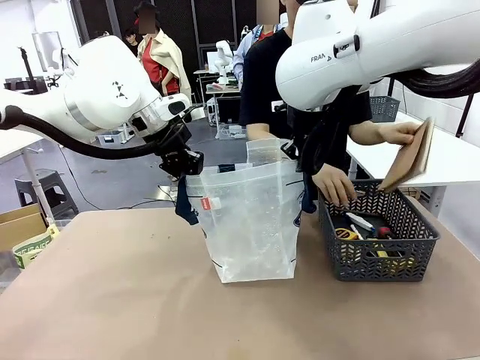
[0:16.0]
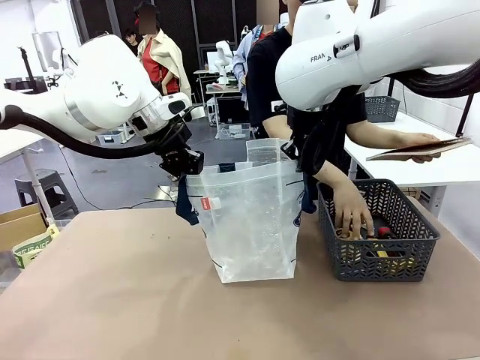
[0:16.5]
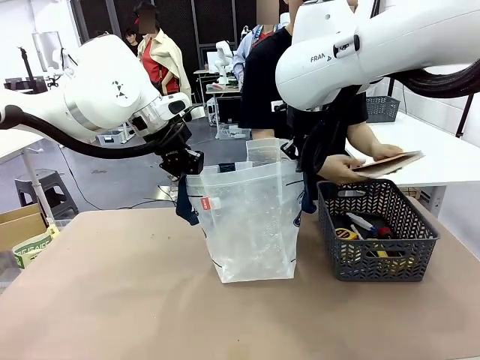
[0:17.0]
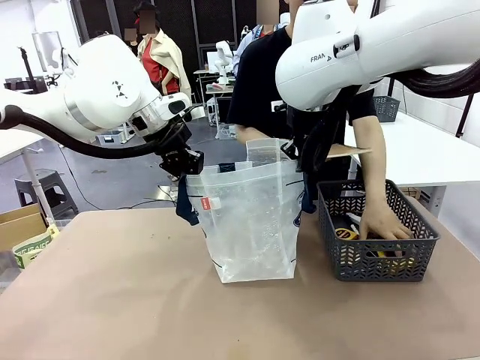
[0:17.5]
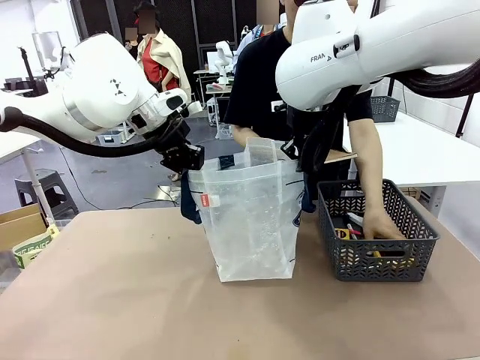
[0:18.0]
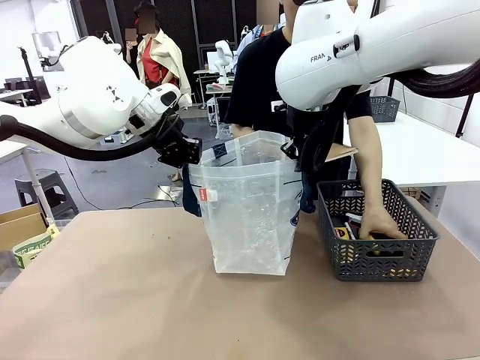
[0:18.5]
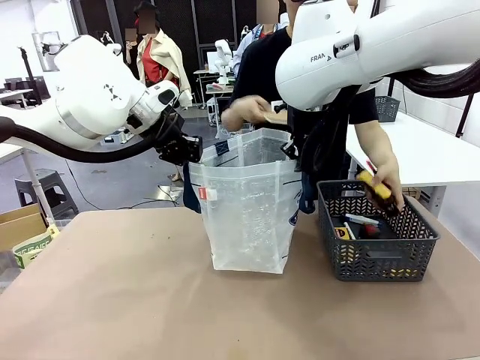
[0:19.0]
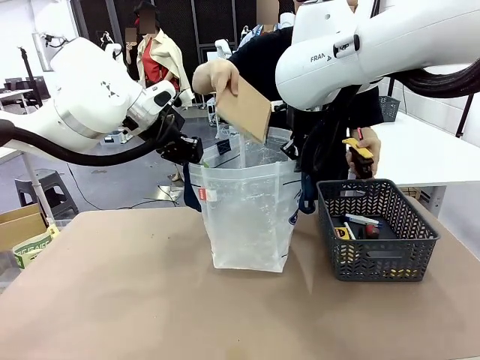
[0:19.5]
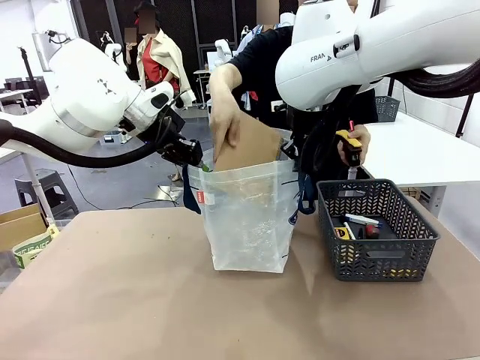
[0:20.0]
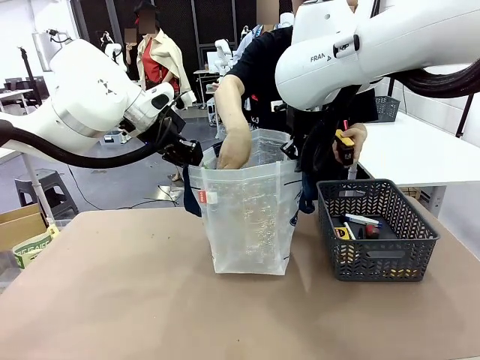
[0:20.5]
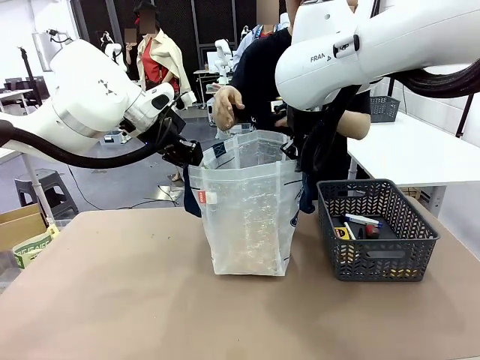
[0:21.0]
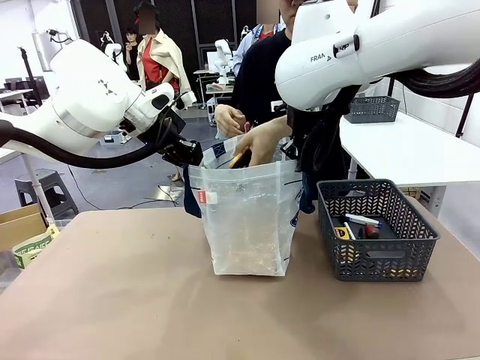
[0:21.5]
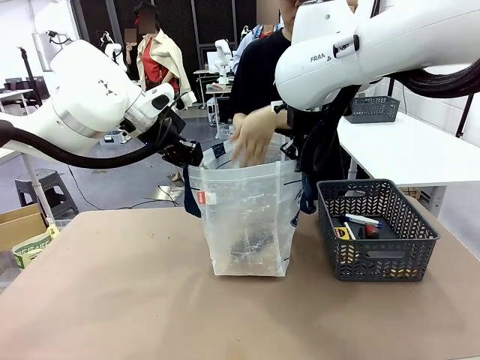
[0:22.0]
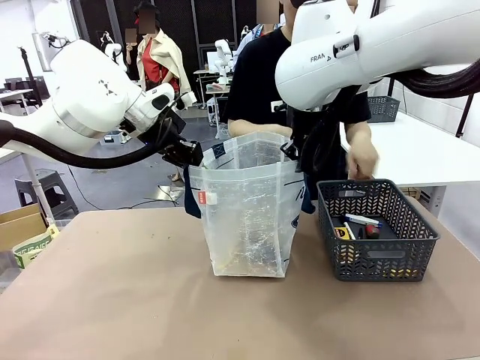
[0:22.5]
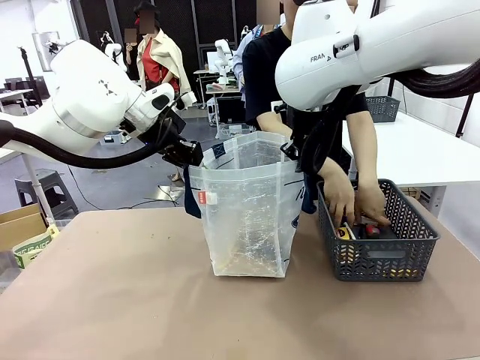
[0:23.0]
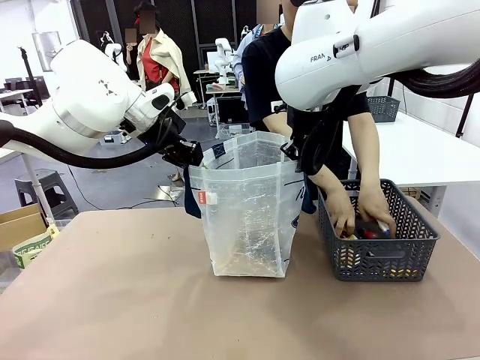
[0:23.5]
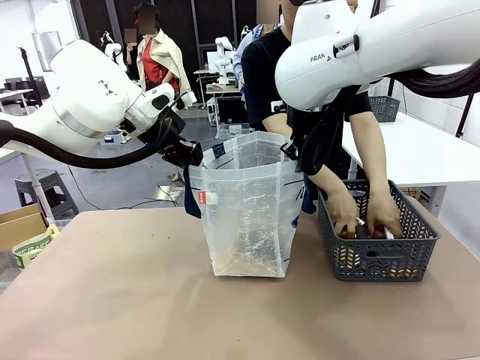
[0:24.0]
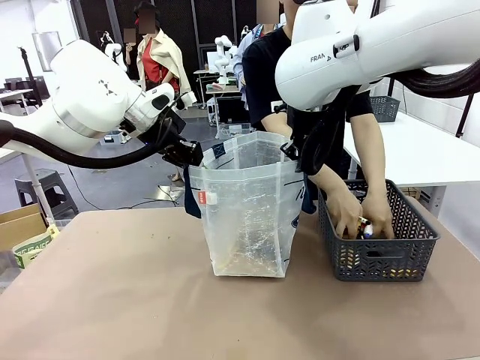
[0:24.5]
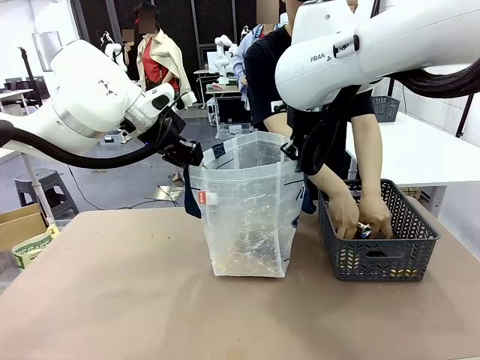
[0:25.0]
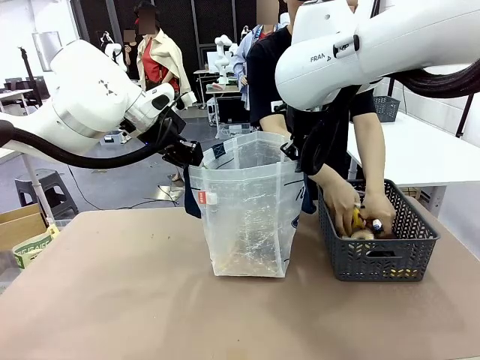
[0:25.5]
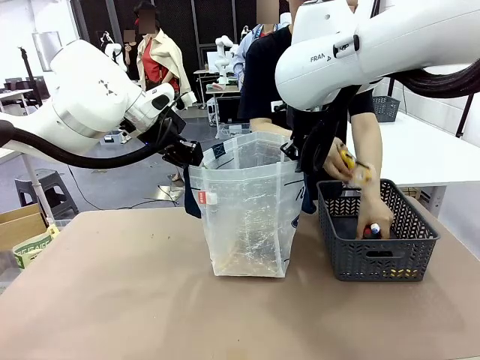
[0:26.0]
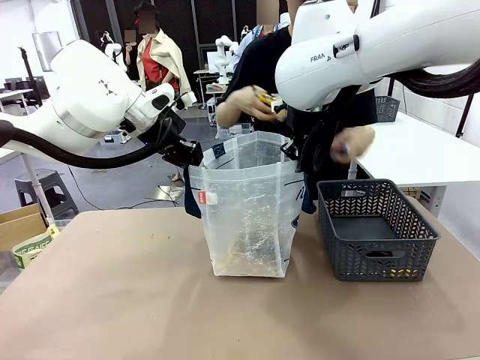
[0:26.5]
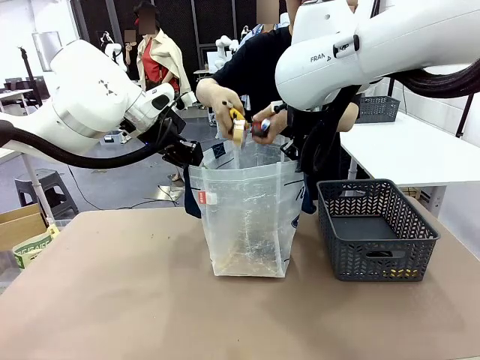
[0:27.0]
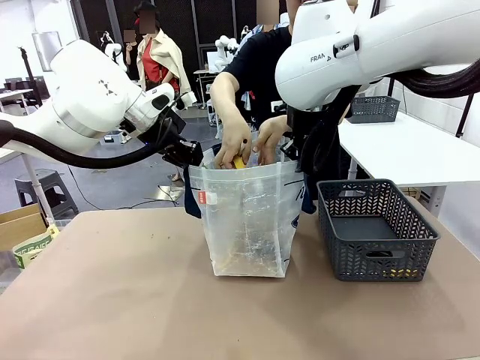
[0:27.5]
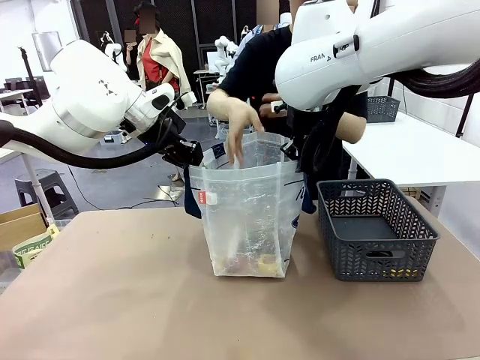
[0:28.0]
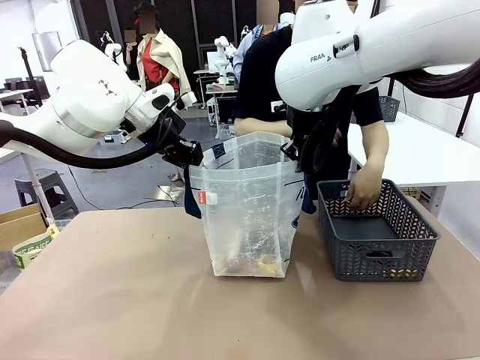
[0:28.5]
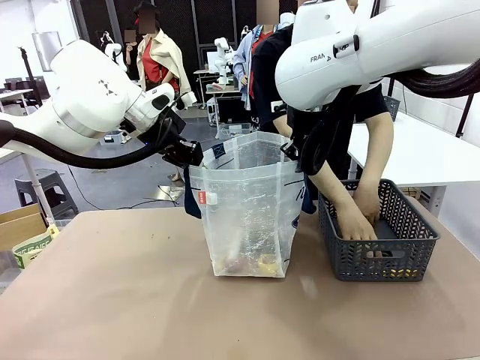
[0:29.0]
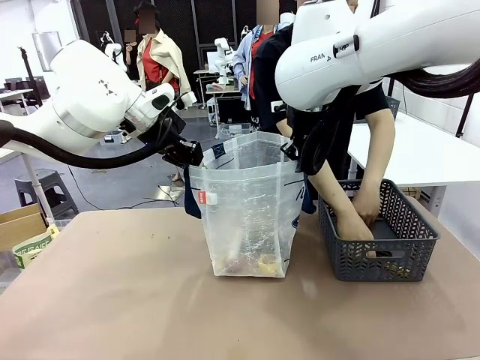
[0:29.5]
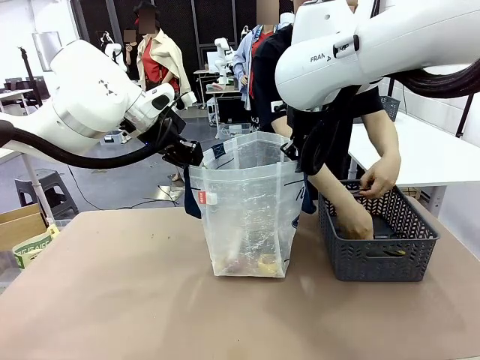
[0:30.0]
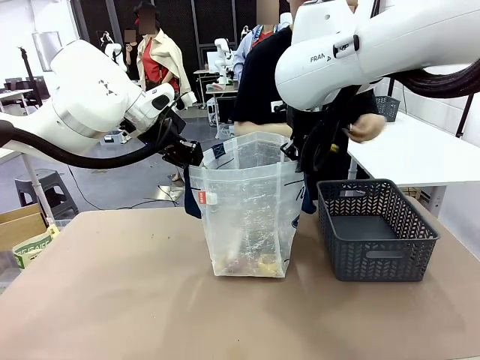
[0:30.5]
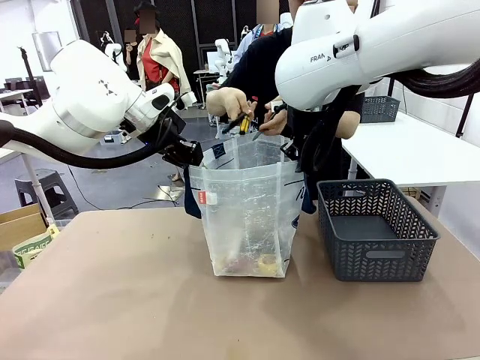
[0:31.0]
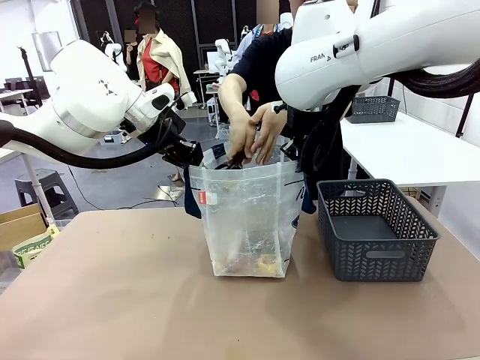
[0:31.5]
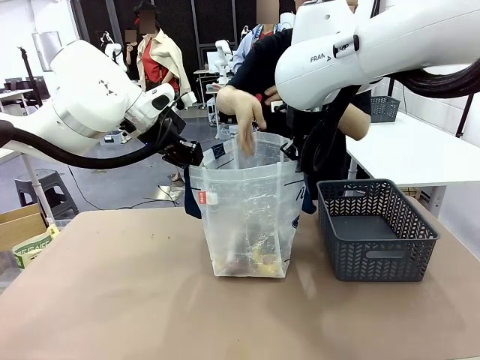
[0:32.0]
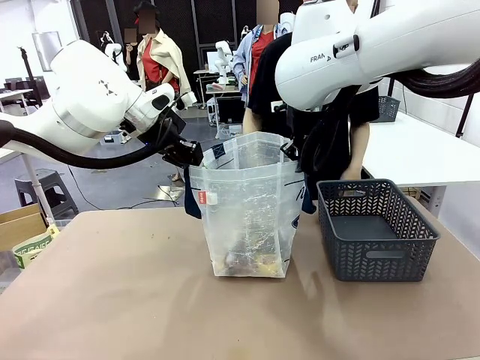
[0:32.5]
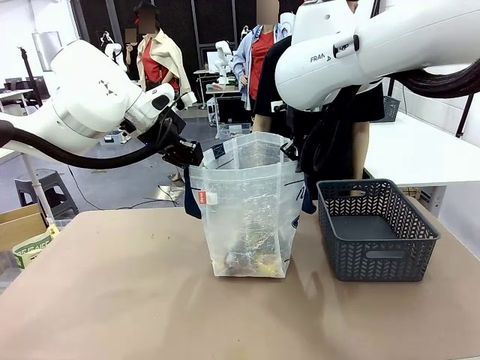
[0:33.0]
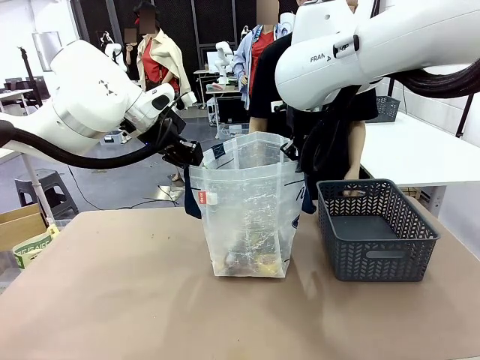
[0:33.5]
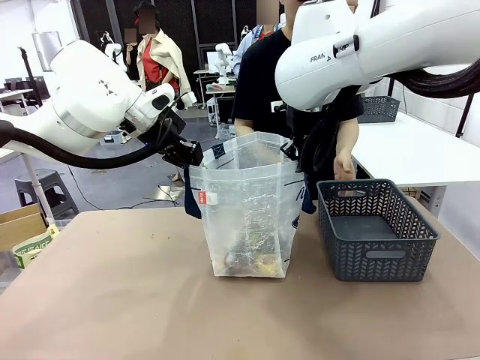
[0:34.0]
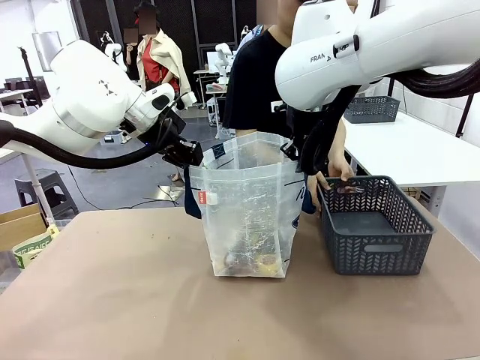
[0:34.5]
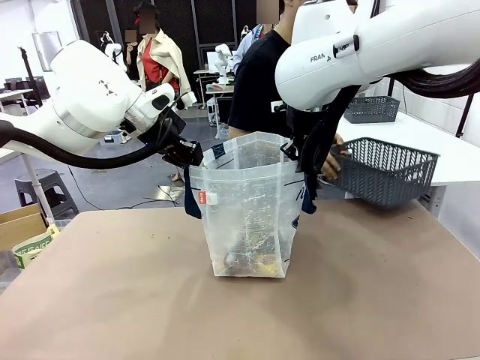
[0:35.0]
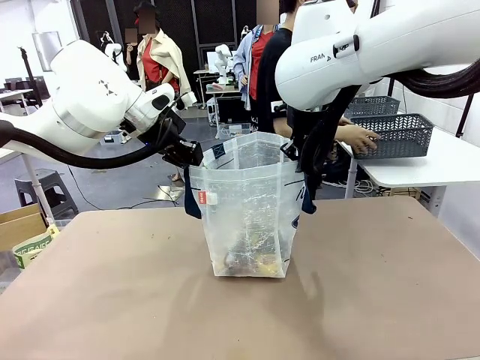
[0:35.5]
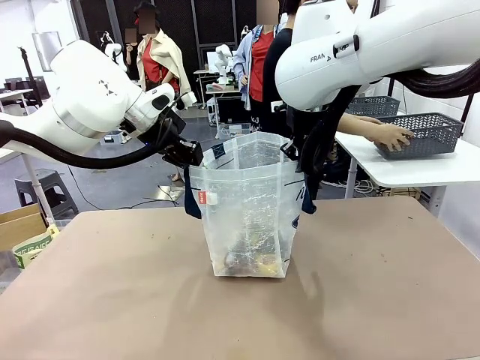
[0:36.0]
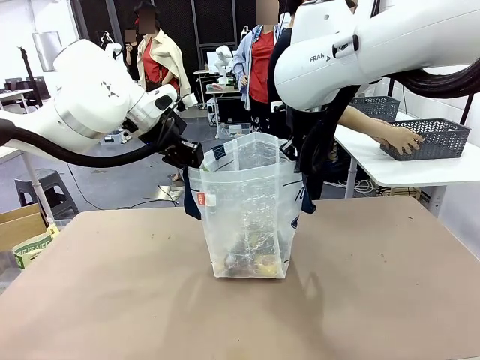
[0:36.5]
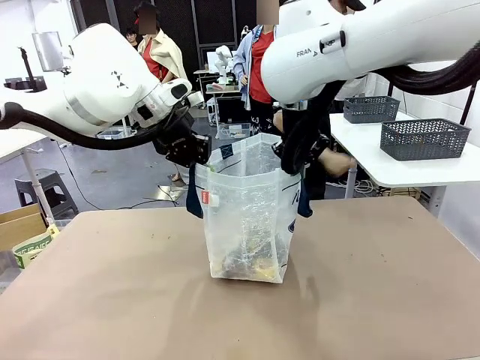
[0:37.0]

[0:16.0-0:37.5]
Task: Transfer purchased items from the store into the shopping bag.
Robot: Move the Reusable shopping bag to the right side of the table.
Person: Pick up the basket on the right, place it on the left side of the robot table, and move the items in the basket to the shopping bag. Pick up the basket with the items out and place it on the right side of the human table.
